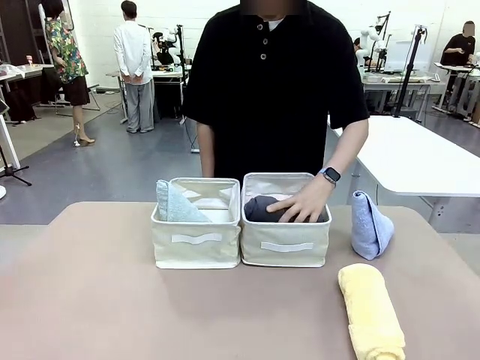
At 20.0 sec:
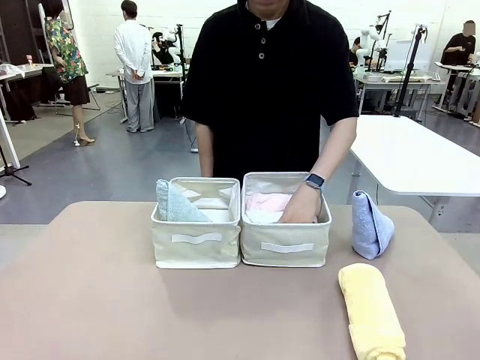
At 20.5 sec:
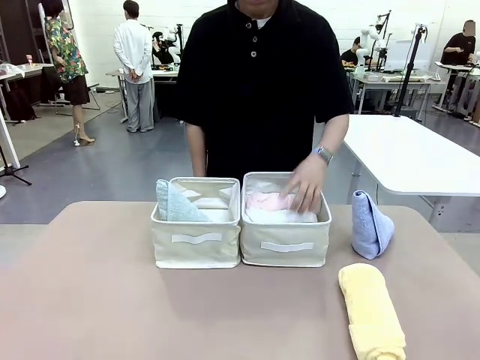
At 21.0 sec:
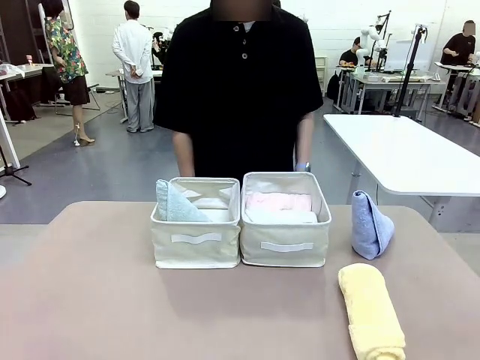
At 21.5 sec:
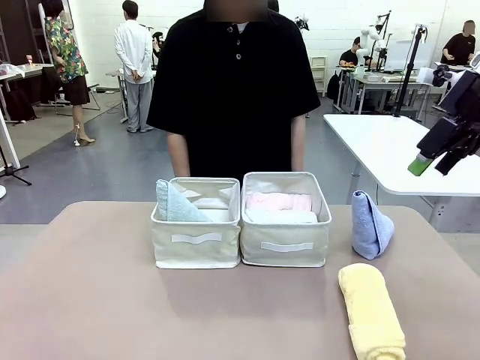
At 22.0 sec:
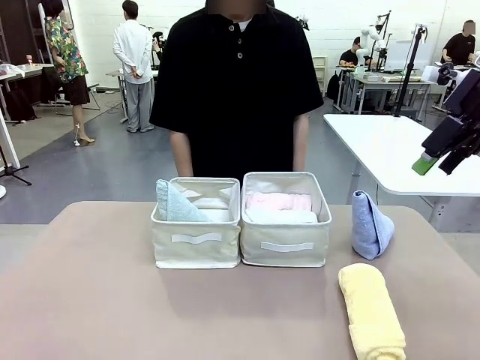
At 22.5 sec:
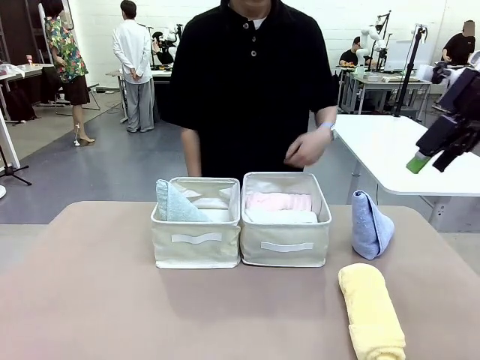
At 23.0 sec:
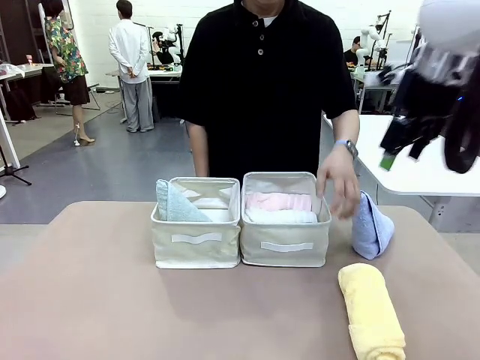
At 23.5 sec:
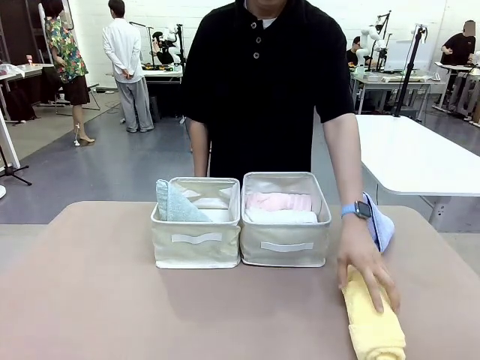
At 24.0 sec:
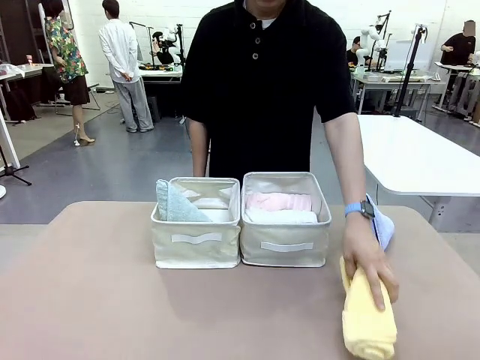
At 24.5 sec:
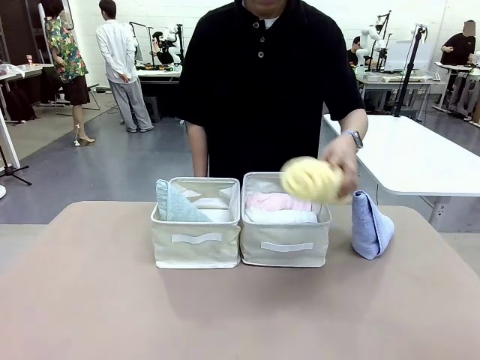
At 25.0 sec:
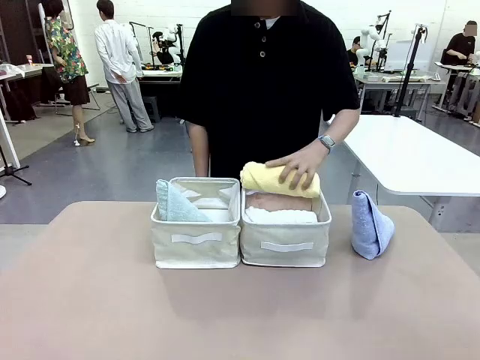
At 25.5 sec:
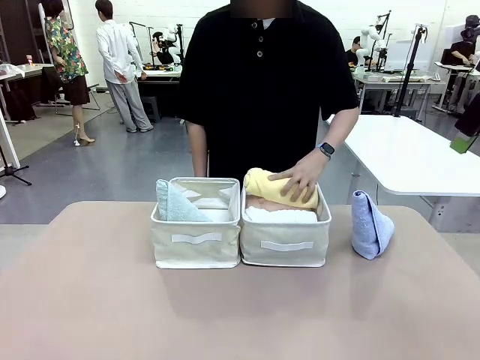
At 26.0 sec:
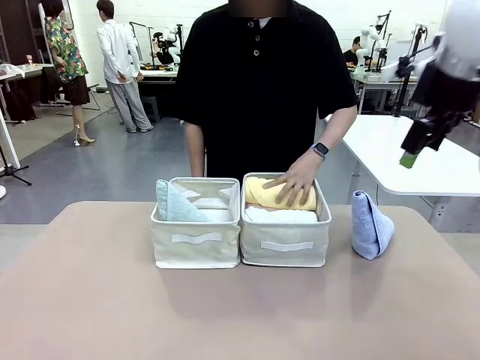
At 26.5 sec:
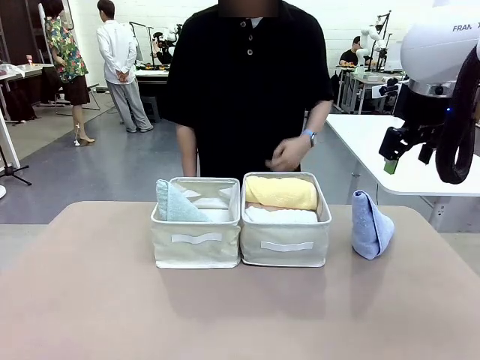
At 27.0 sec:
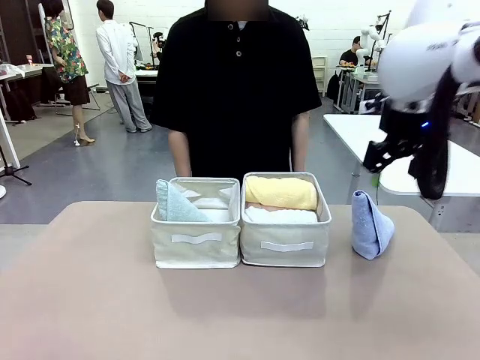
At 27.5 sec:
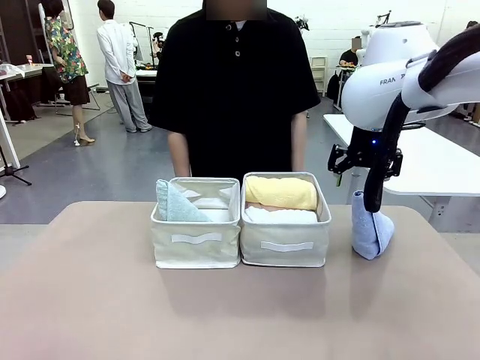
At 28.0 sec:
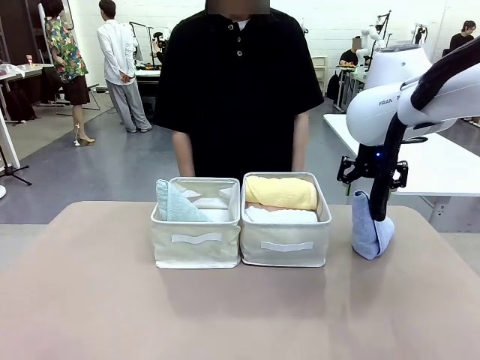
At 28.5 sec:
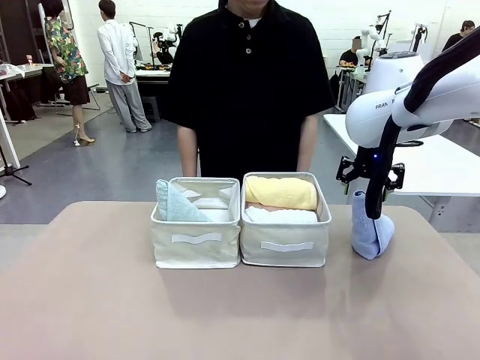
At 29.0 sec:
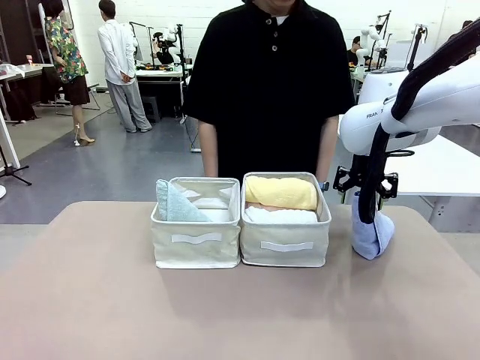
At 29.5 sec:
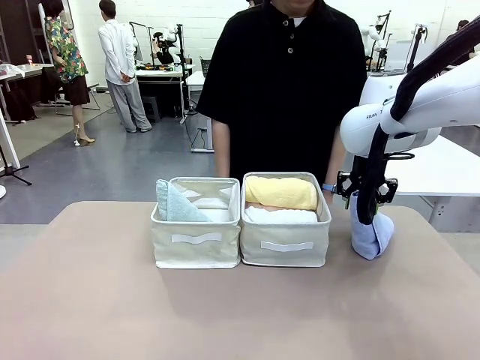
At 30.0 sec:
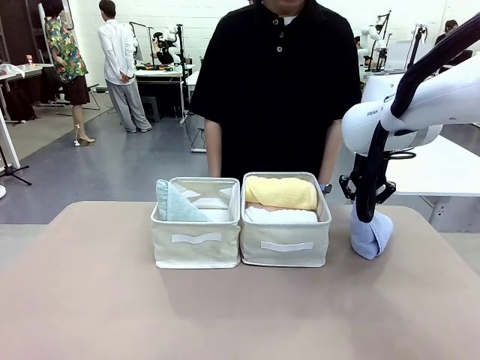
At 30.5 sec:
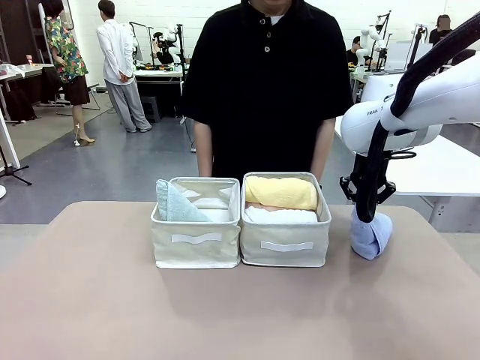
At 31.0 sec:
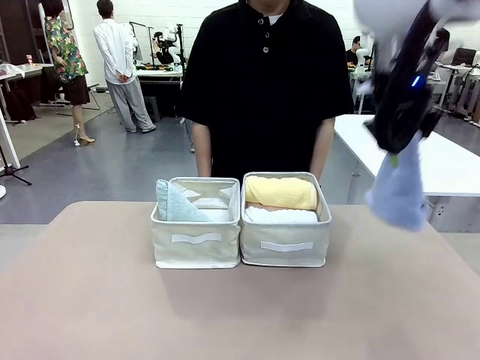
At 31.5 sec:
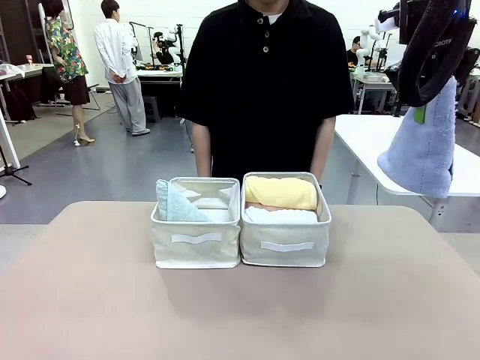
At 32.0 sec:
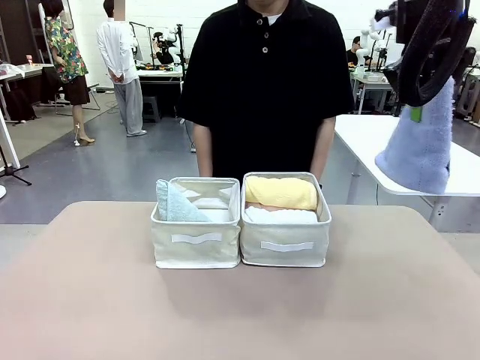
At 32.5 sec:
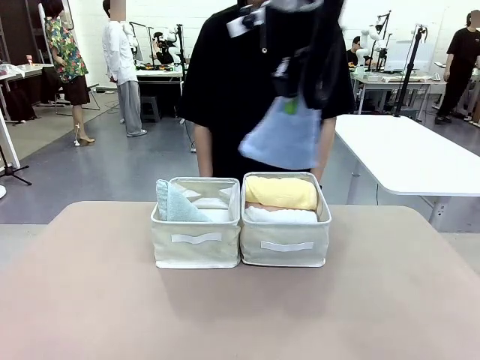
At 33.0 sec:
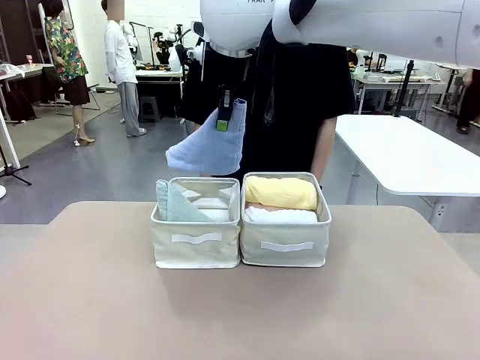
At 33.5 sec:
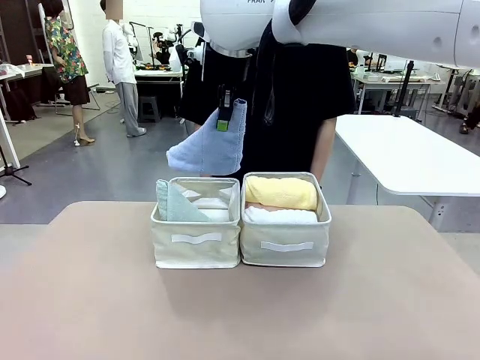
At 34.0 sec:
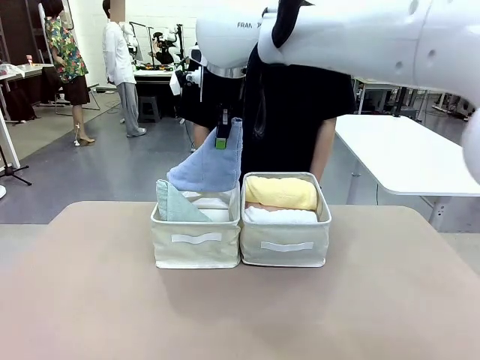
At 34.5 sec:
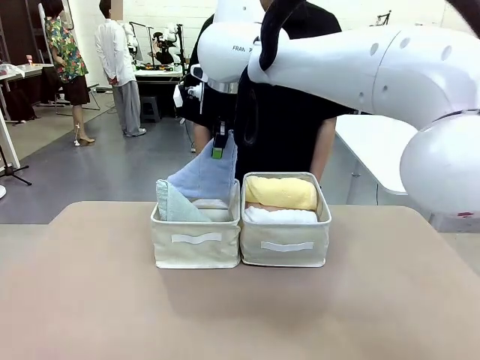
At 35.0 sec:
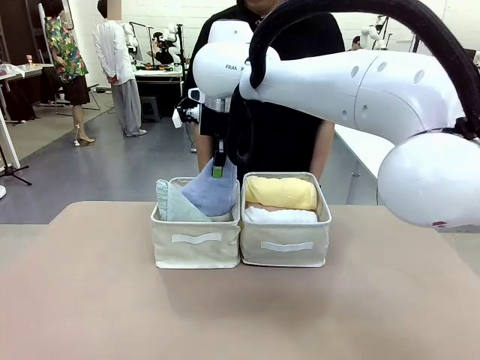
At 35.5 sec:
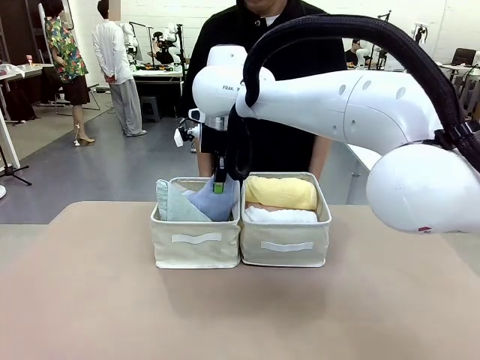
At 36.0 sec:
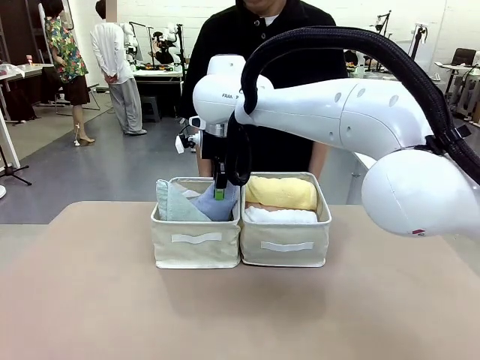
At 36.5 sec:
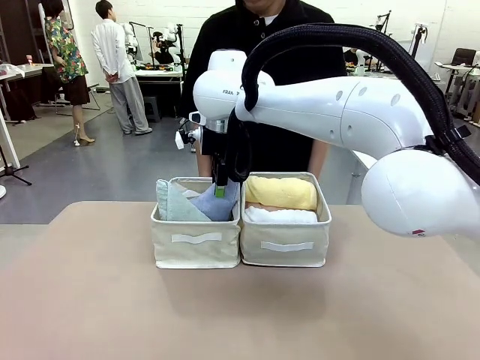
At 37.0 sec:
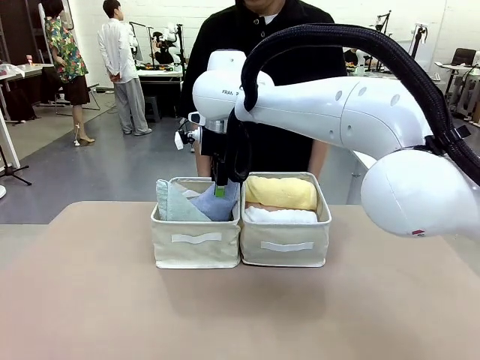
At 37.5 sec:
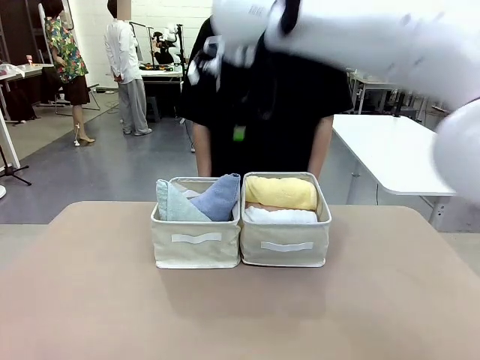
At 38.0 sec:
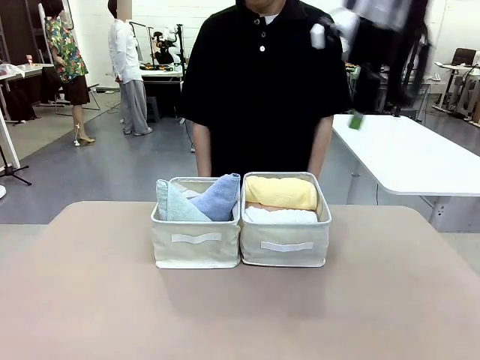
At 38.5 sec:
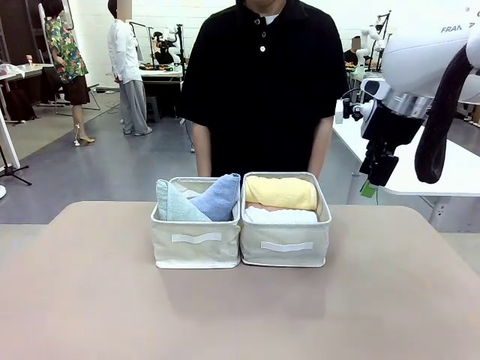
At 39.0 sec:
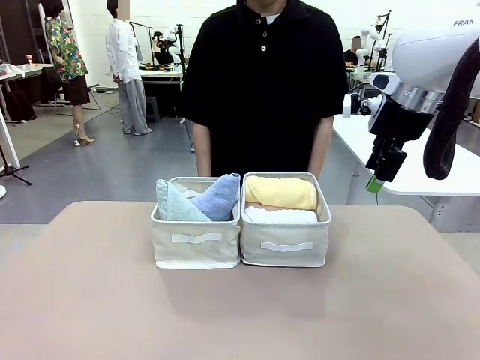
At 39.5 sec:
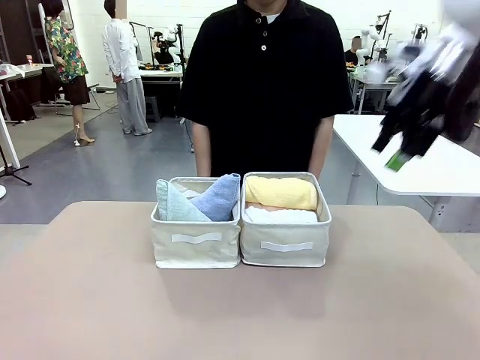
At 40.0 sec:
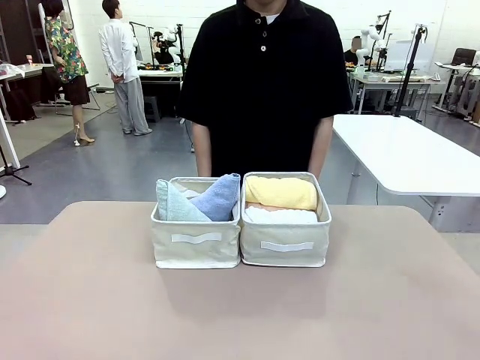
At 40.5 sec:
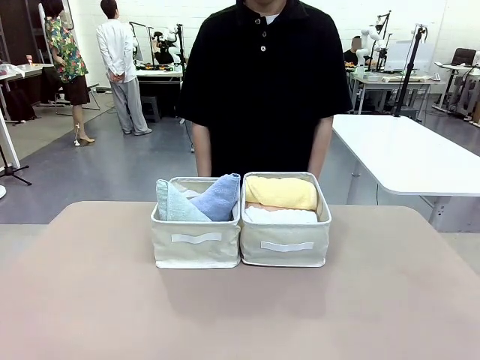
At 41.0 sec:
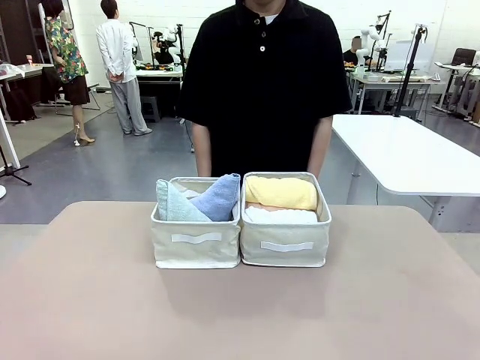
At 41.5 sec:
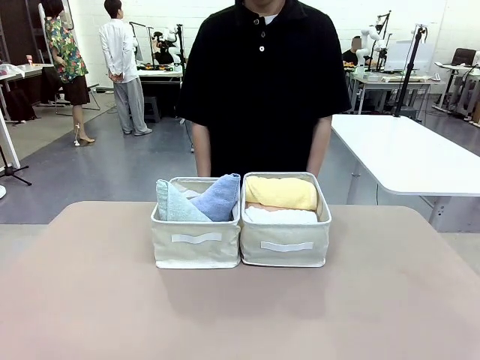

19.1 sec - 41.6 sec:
Task: Sort the towels based on their folding style.
Robot: Pick up another triangle-folded towel from the table and place it in the left Fabric basket.
Person: Pick up one hotel-style rolled towel from the table and place it in the left fabric basket.
